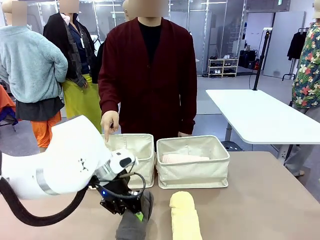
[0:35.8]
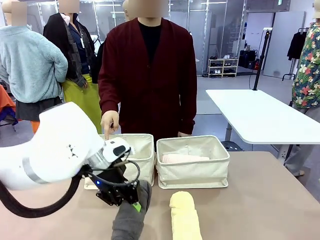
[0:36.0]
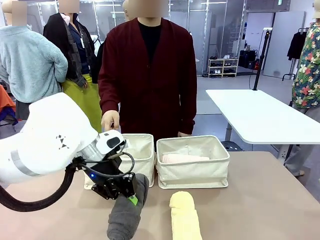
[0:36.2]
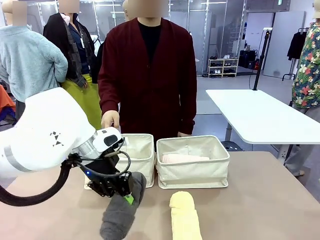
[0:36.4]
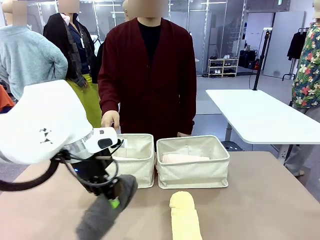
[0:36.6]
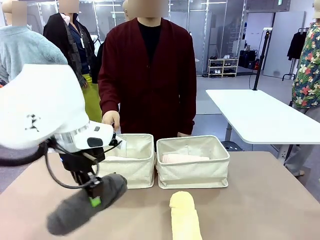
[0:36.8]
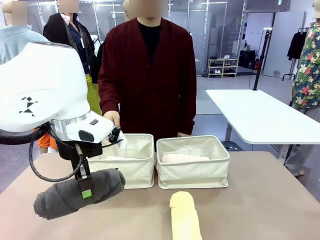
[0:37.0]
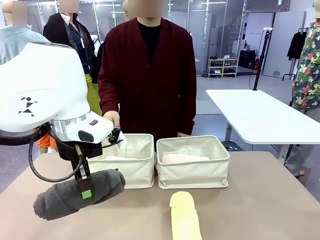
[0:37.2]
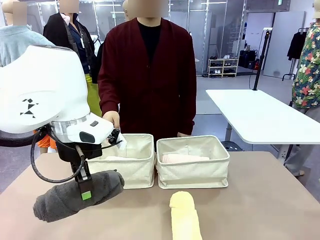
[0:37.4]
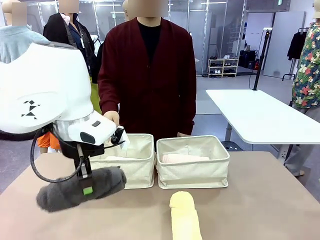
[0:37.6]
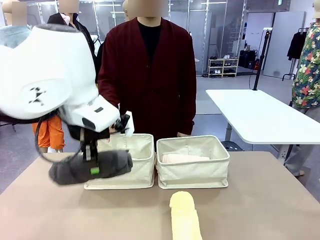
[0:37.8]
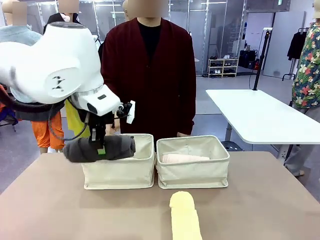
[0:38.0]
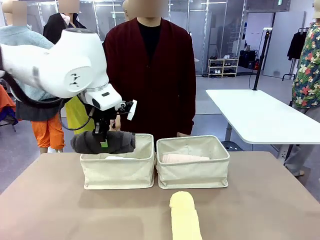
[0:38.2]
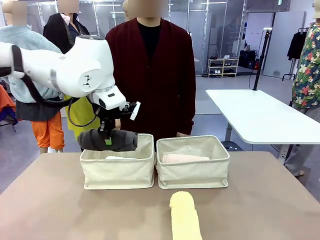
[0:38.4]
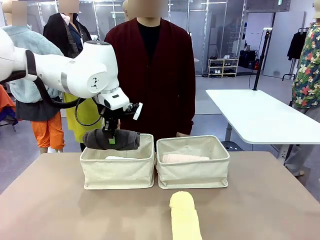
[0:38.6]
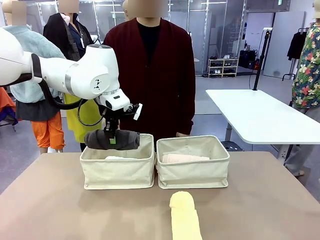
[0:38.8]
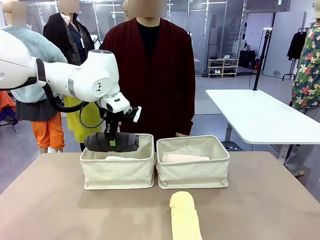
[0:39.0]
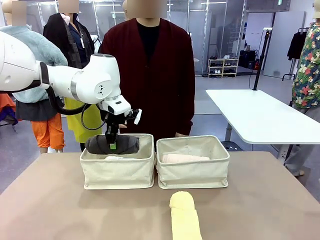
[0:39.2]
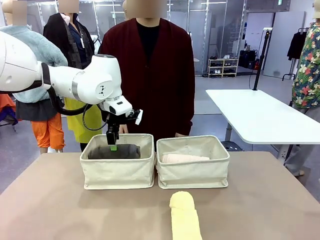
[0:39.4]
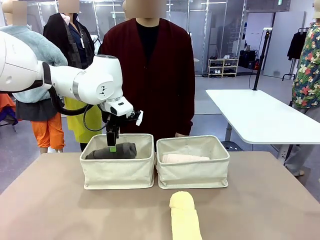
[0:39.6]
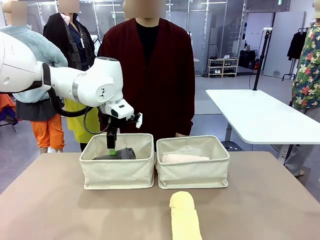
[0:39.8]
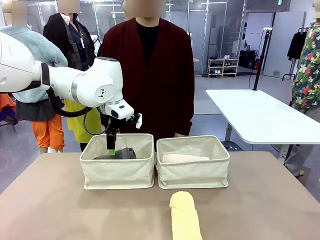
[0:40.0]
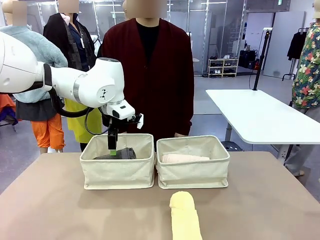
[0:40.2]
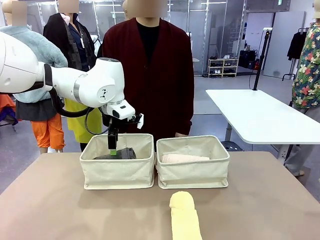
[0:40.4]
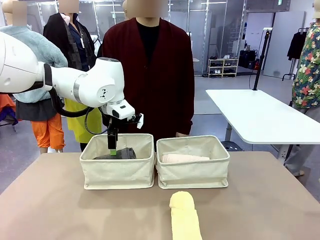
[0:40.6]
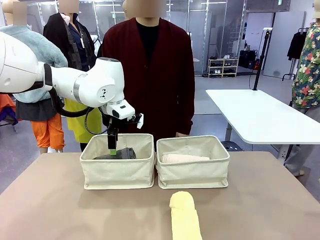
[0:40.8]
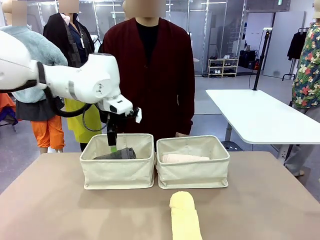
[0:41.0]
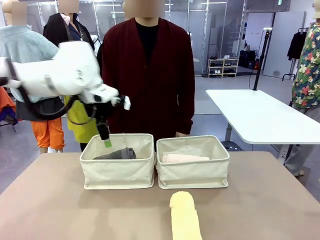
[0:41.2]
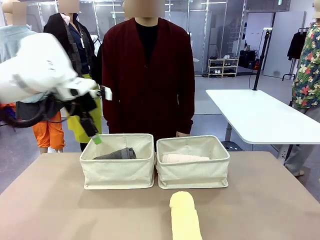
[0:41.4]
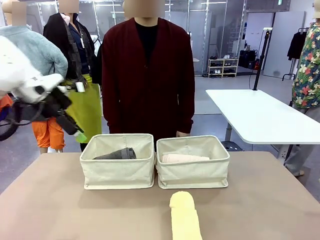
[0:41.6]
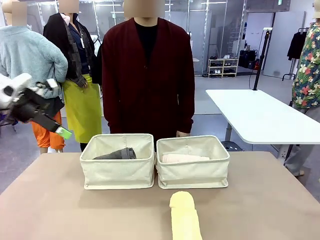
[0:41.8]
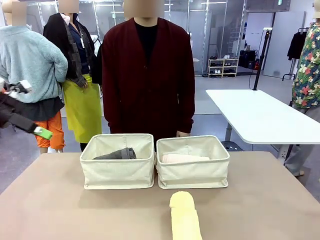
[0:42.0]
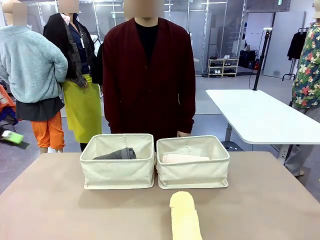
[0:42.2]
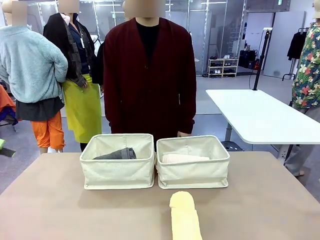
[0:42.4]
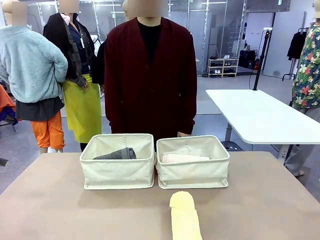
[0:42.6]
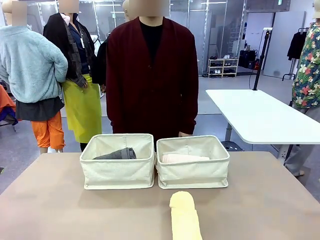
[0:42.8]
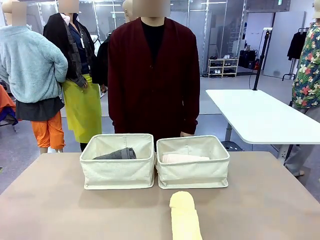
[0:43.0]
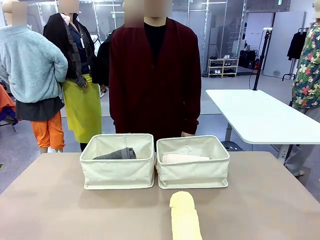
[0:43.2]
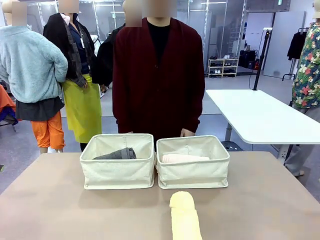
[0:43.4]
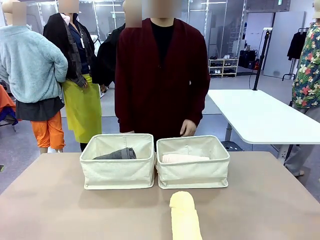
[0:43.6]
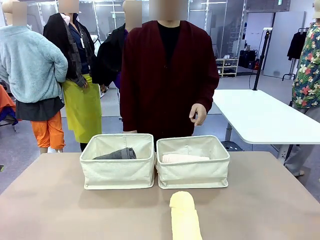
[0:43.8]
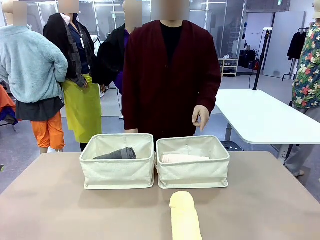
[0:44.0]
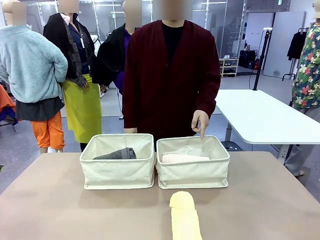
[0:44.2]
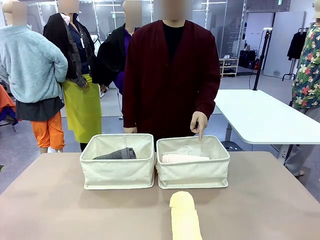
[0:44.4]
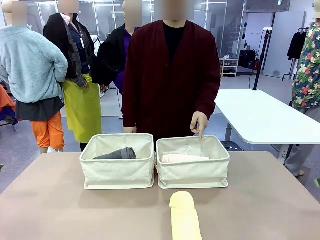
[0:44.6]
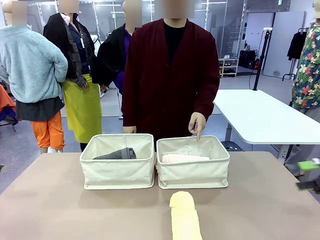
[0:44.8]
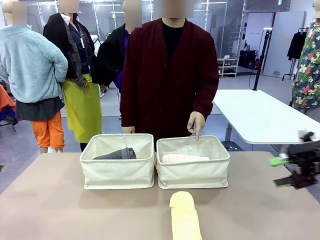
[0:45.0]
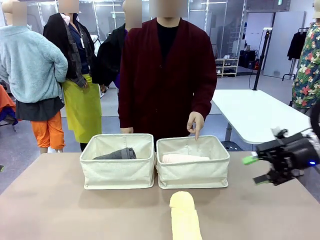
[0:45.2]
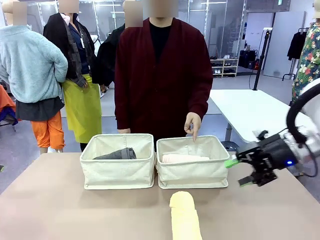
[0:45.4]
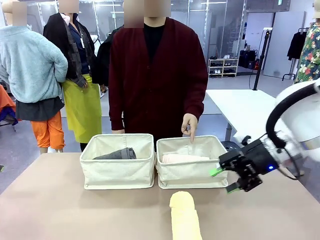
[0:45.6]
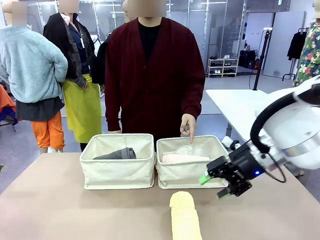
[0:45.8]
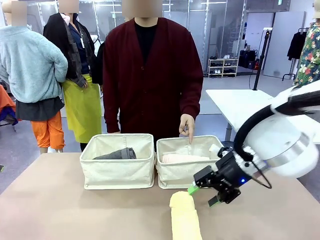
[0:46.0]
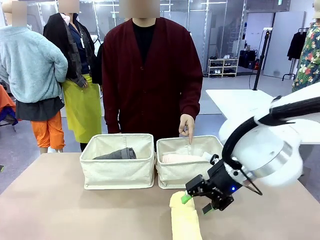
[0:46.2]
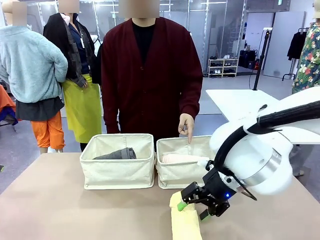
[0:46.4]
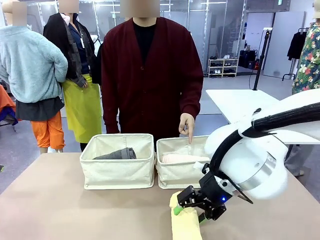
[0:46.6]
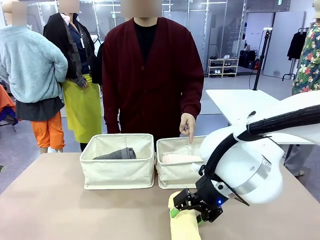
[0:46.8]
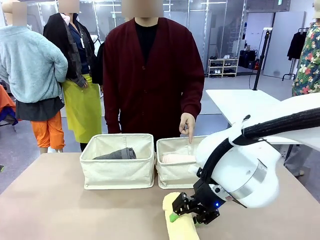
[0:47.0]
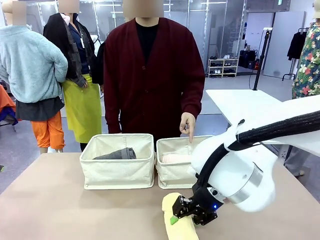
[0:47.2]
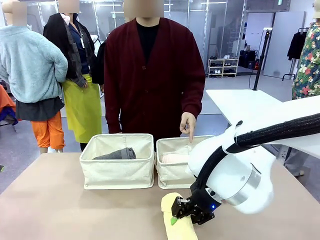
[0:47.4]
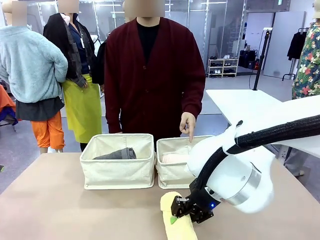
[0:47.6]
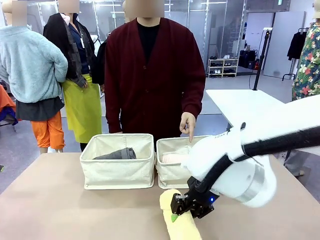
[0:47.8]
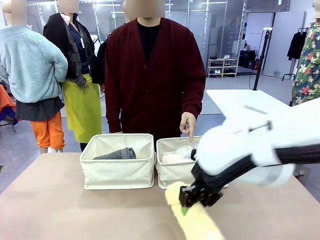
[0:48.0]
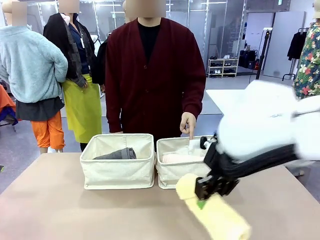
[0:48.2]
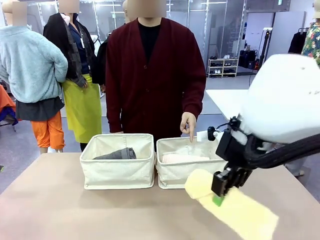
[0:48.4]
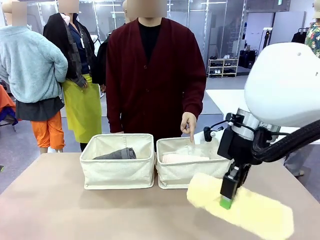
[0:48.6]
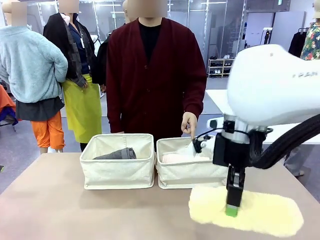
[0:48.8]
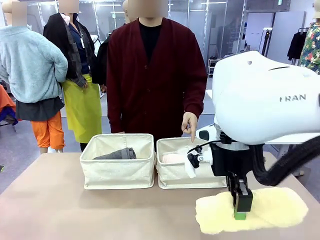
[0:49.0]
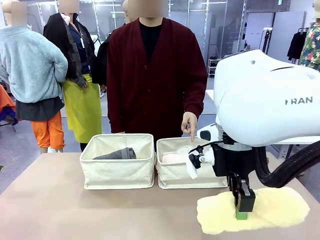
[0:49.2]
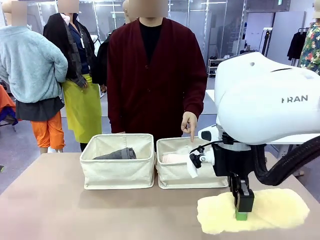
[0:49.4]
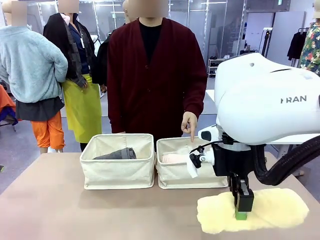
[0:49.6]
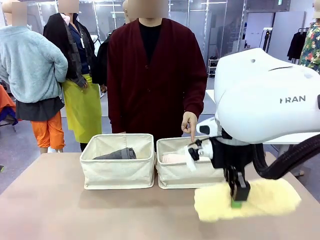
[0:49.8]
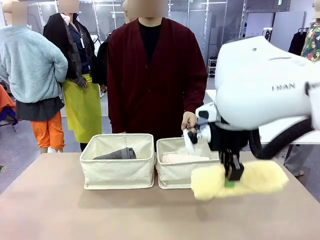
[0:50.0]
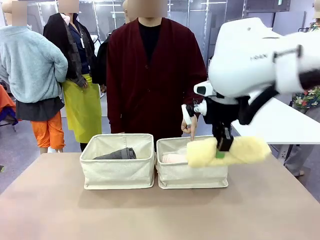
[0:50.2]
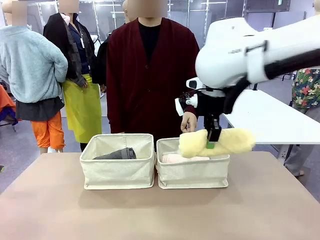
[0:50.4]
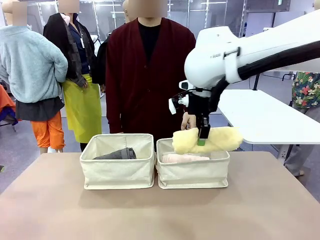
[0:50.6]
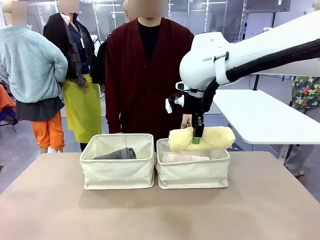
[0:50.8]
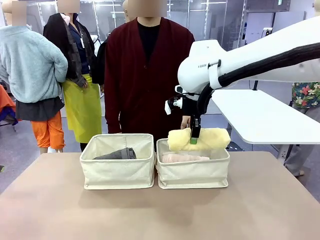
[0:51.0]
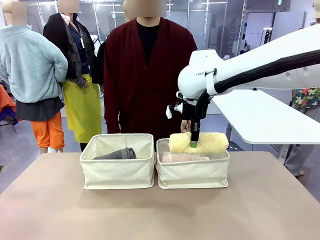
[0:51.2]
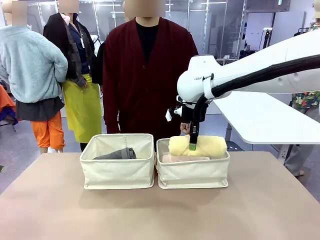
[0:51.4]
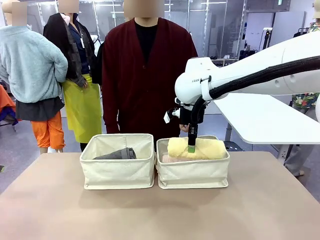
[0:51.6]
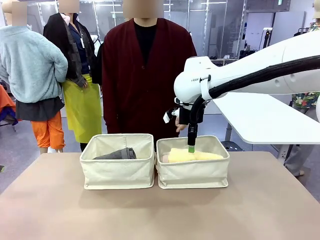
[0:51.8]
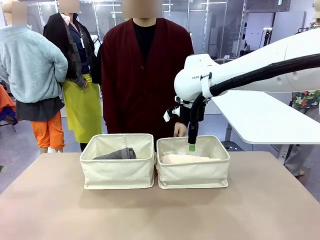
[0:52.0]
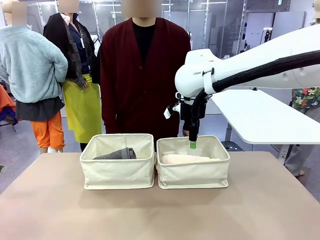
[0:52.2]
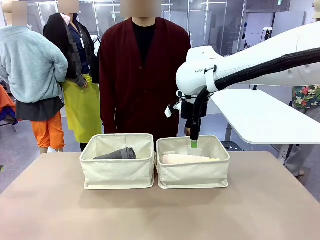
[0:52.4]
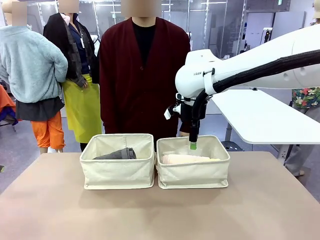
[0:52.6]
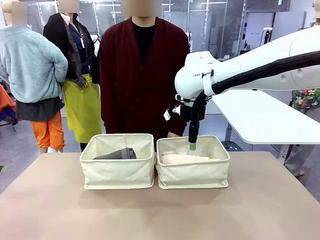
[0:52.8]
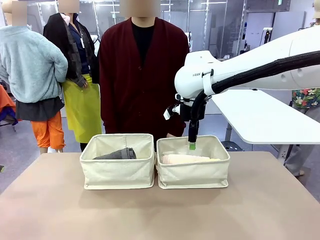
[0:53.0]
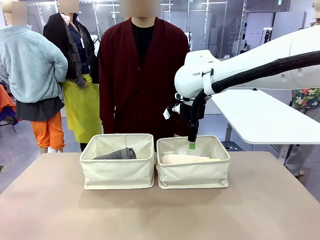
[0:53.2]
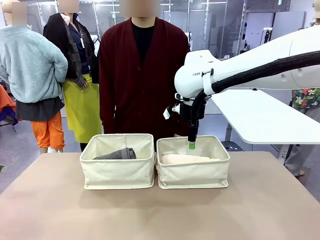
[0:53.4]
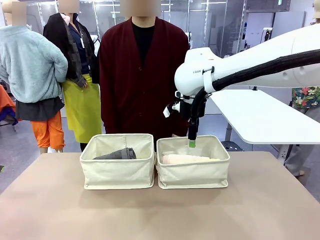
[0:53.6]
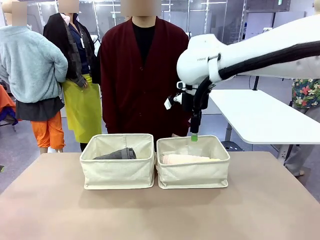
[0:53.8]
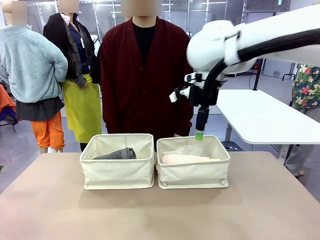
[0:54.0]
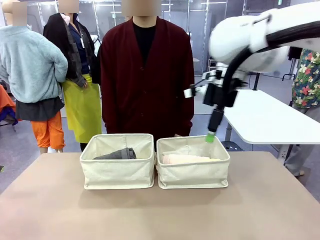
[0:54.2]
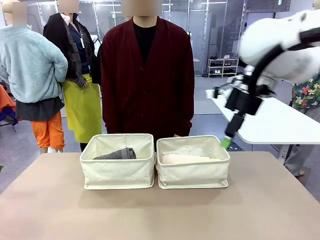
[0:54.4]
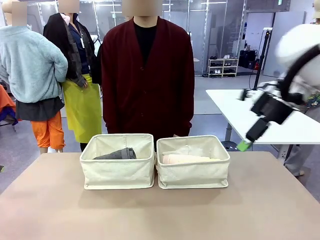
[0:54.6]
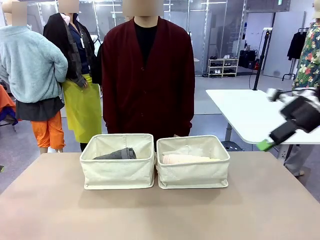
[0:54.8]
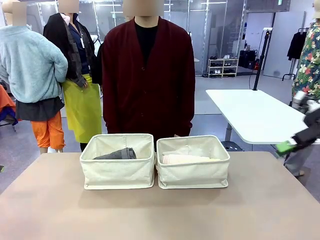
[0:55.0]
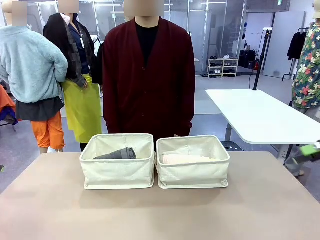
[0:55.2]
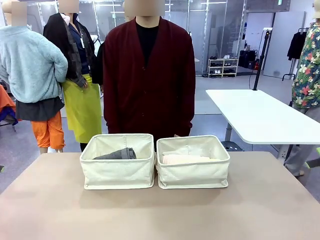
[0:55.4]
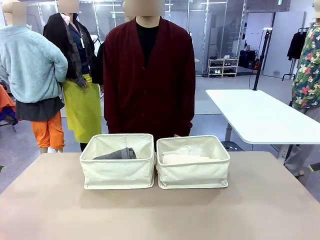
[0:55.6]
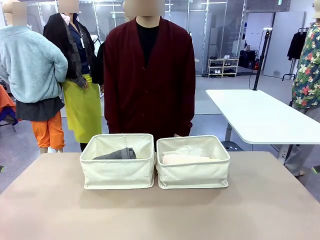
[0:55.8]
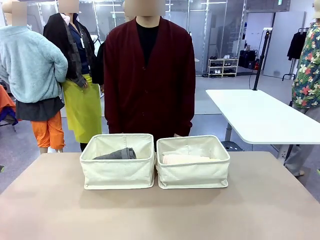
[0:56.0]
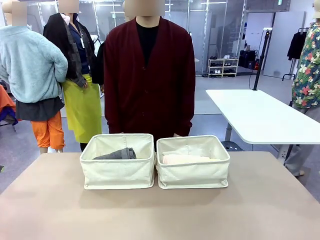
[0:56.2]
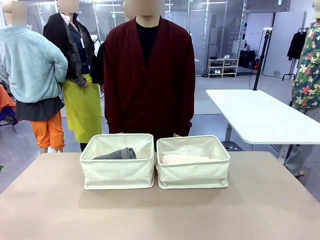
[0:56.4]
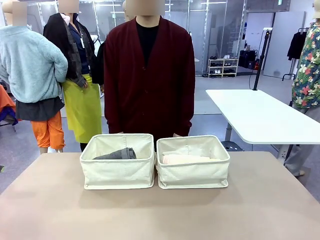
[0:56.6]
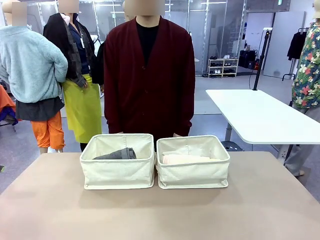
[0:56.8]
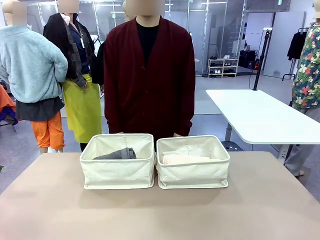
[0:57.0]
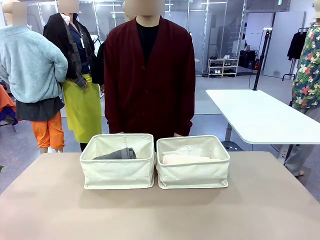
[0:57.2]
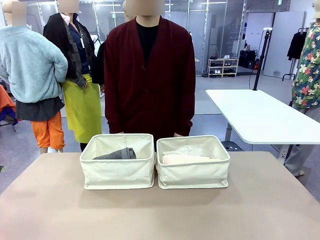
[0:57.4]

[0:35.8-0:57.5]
Task: Divide the towels into two baskets.
Robot: Pick up one hotel-folded towel from the bottom of the table and place it in the Fabric basket indicated by the person.
